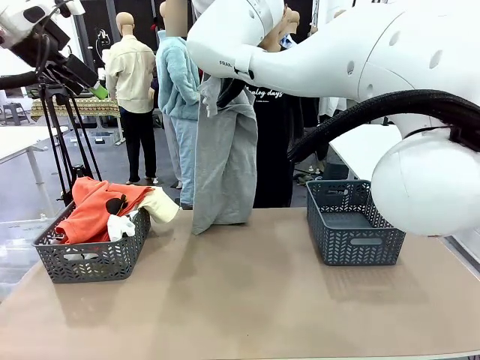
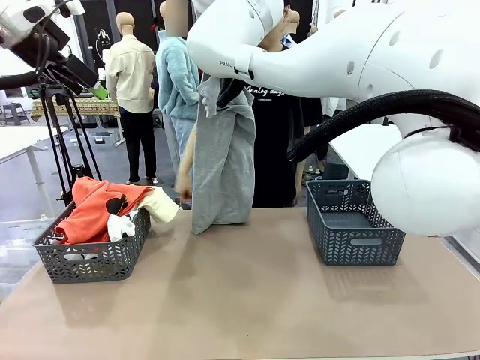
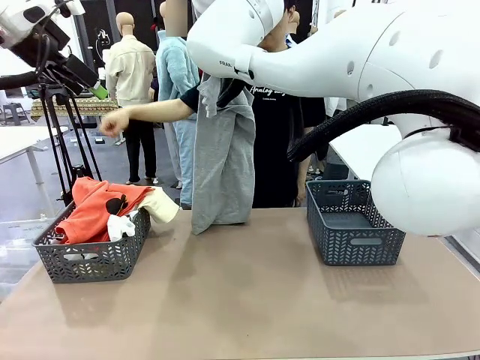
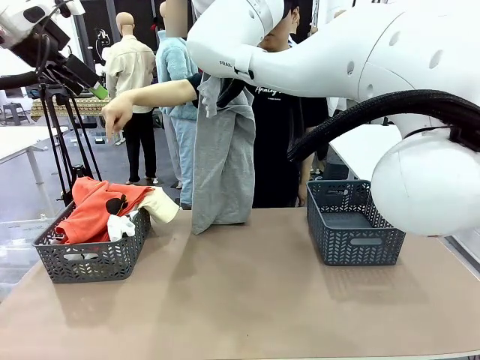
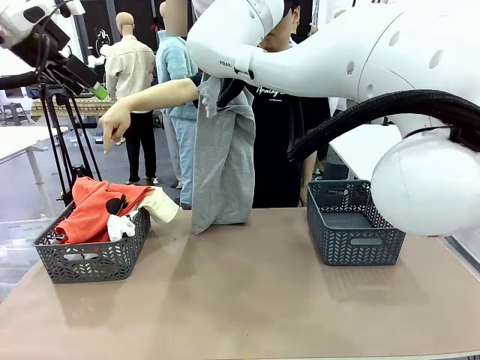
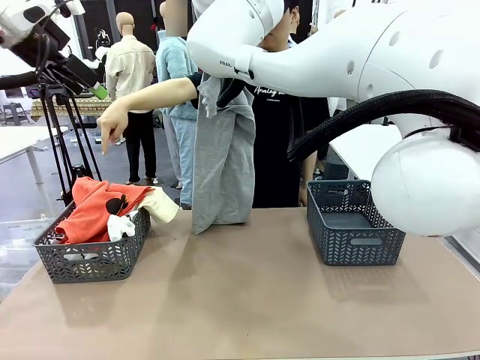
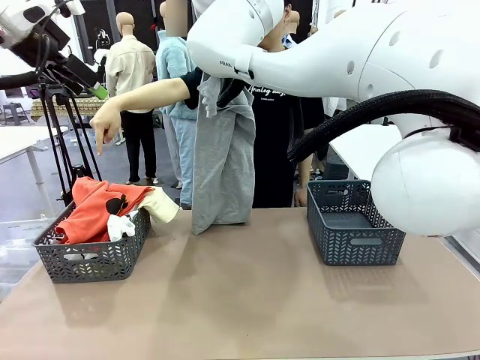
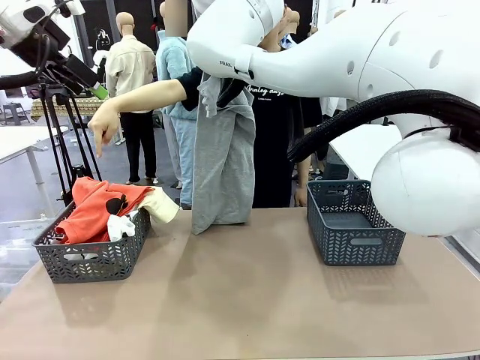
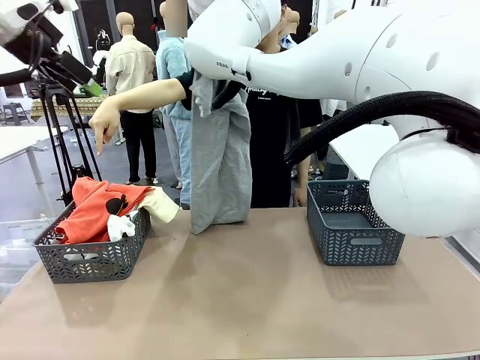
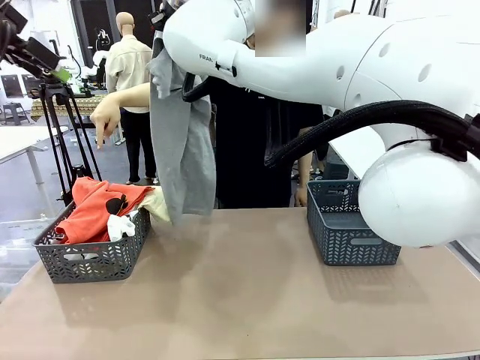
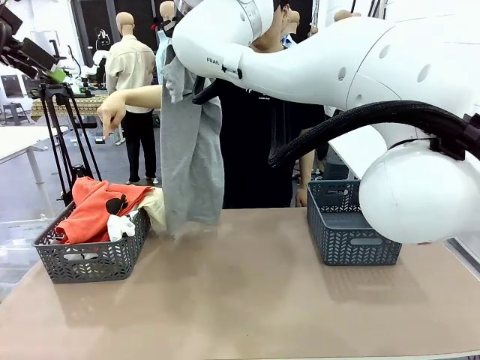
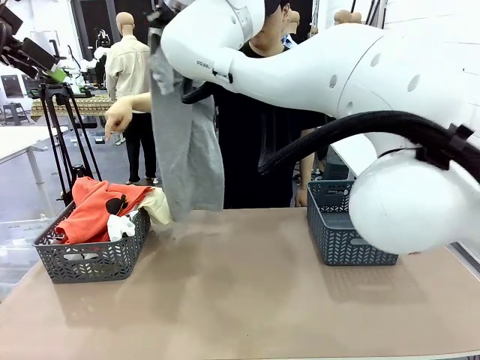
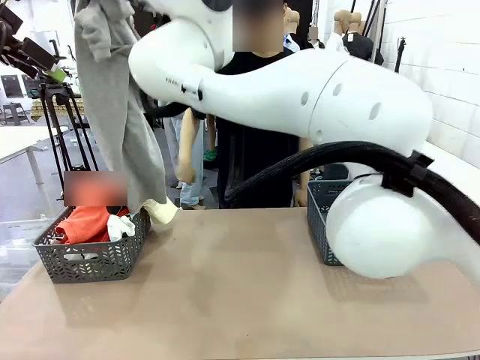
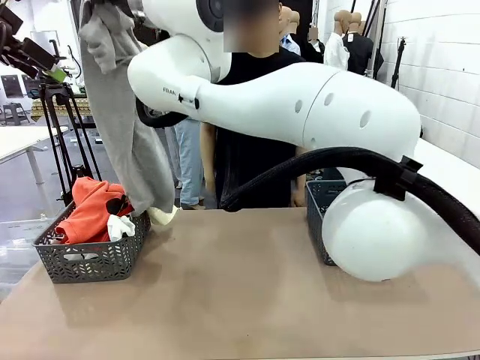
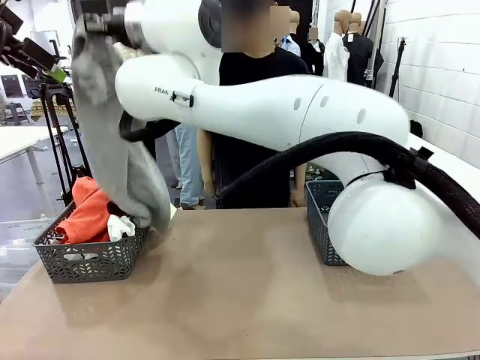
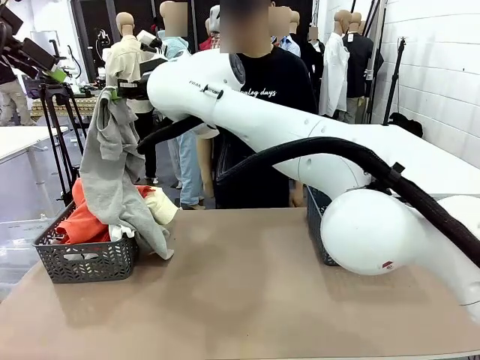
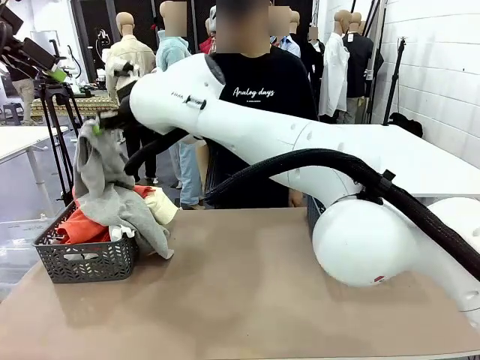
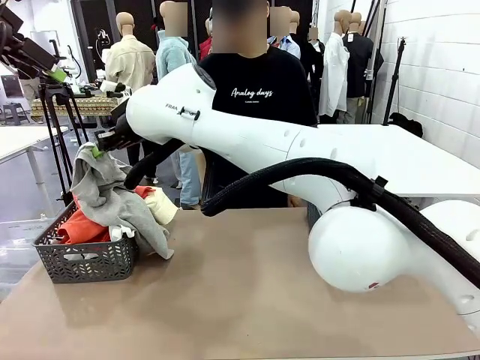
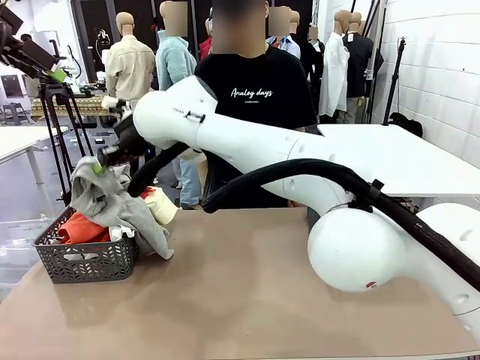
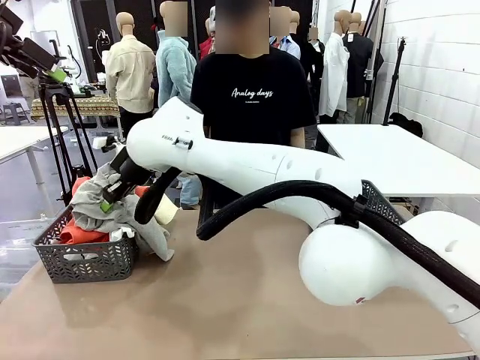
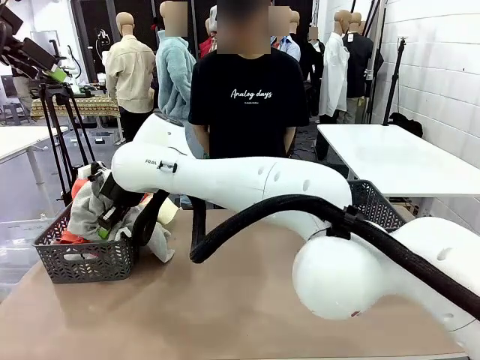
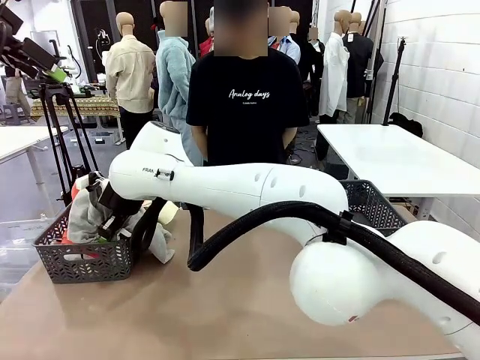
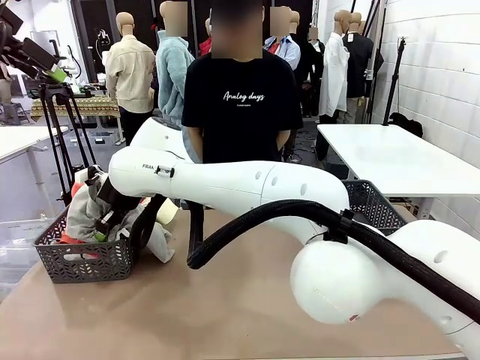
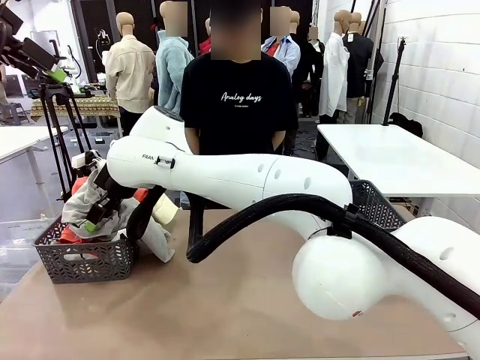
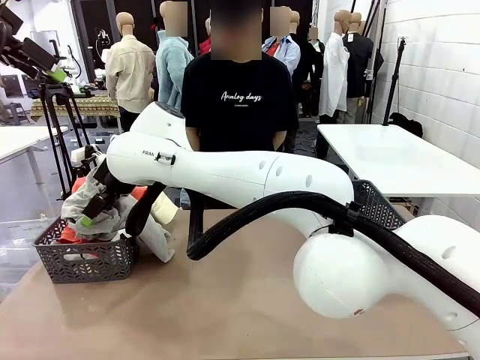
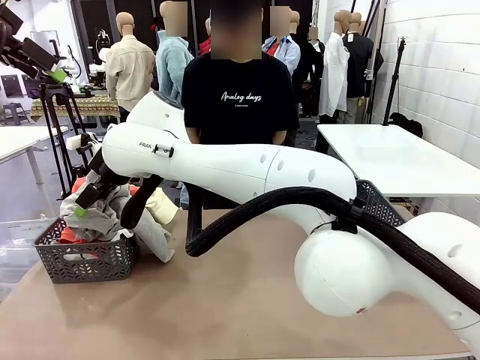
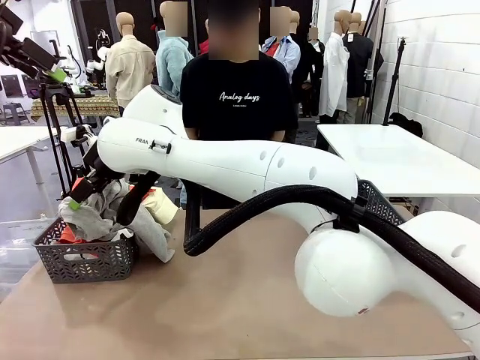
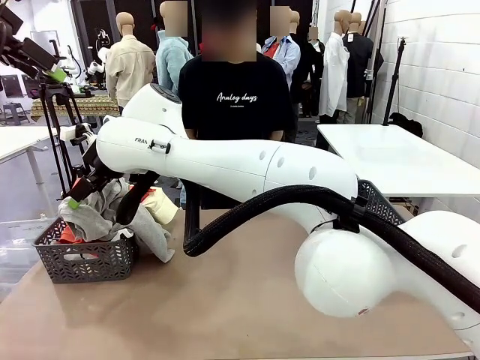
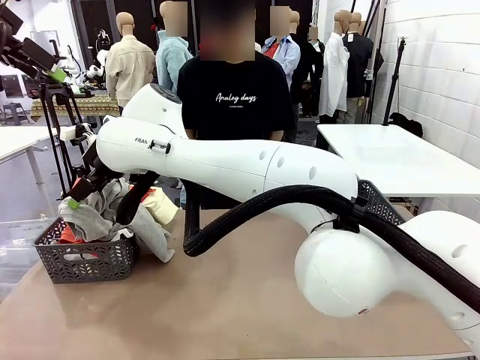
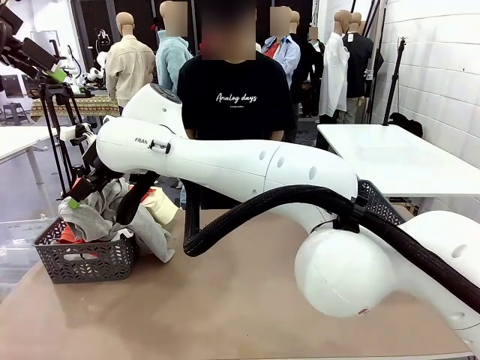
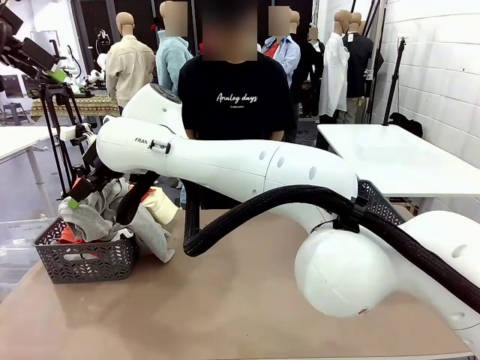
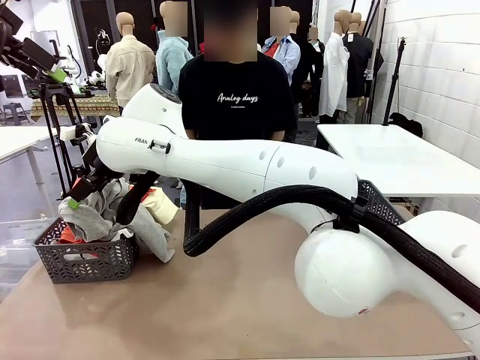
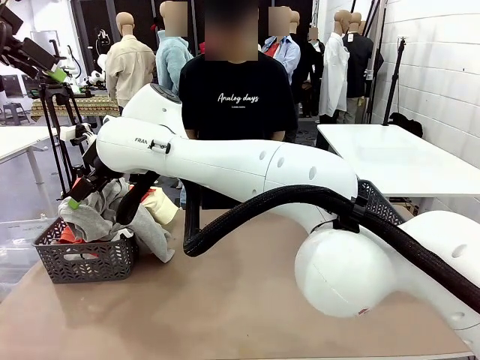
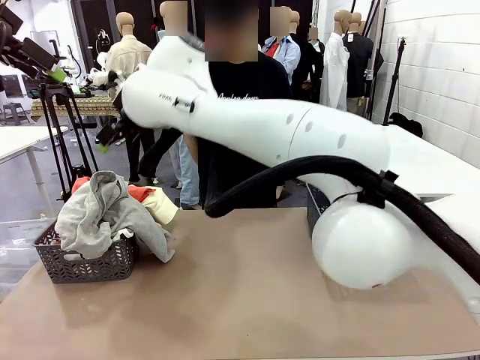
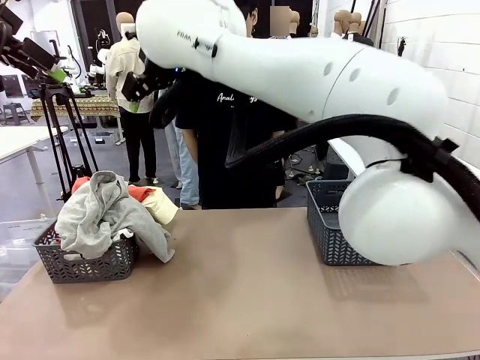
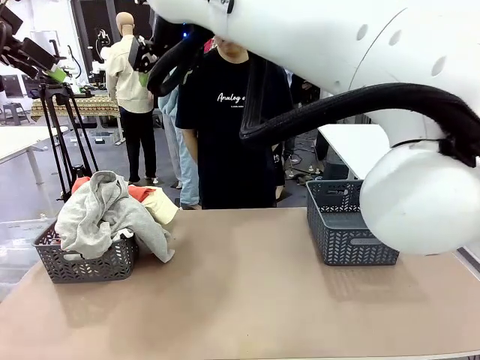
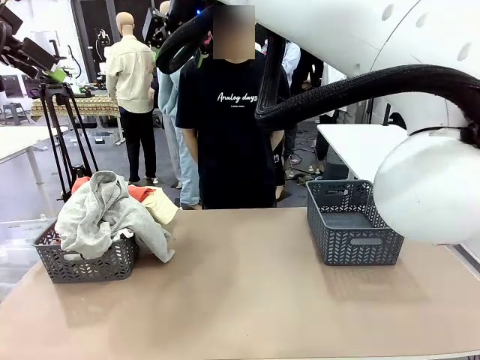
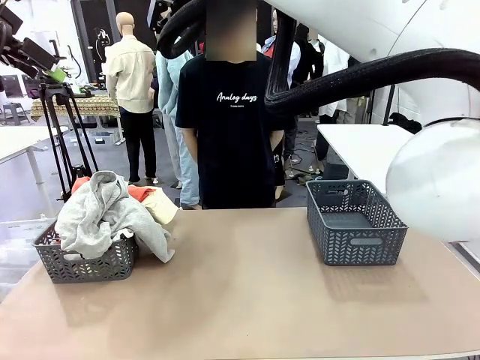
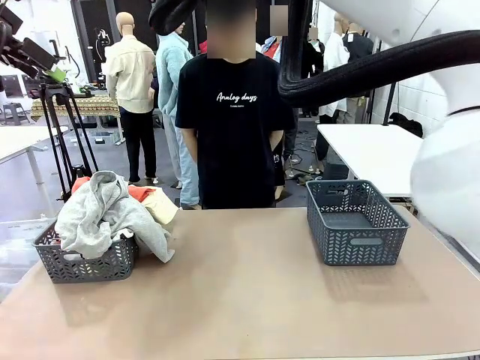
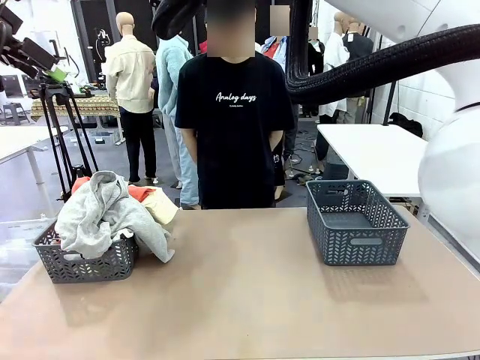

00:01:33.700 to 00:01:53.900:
Task: Sort the tops and bottoms.
Robot: Sort the clothes according to human instructions.
